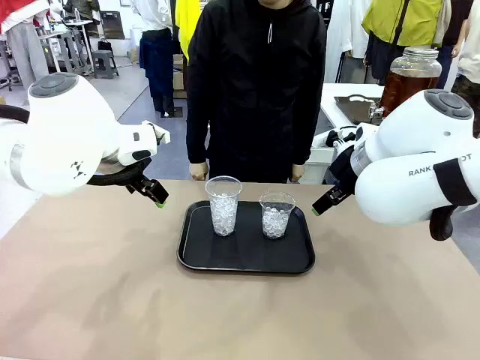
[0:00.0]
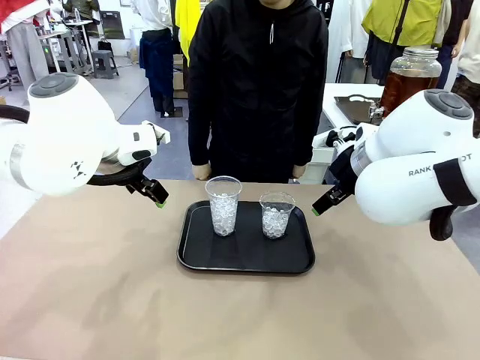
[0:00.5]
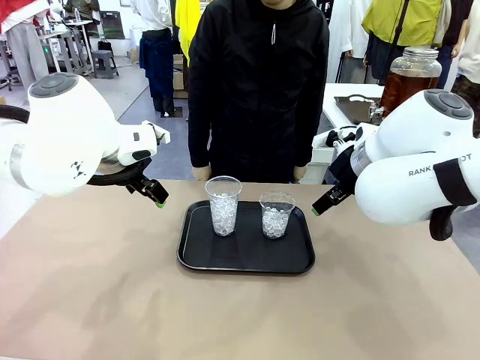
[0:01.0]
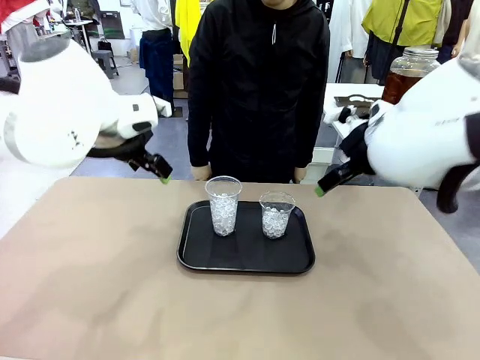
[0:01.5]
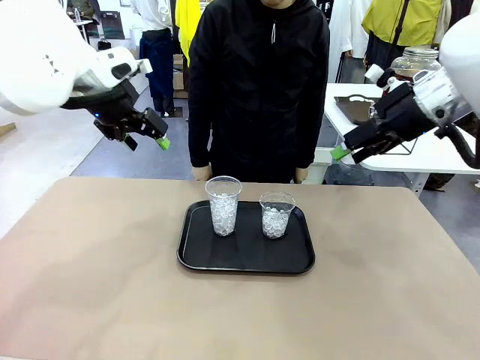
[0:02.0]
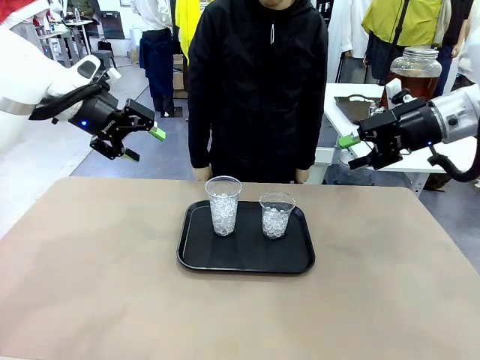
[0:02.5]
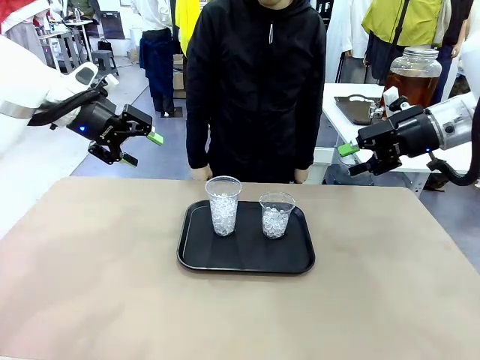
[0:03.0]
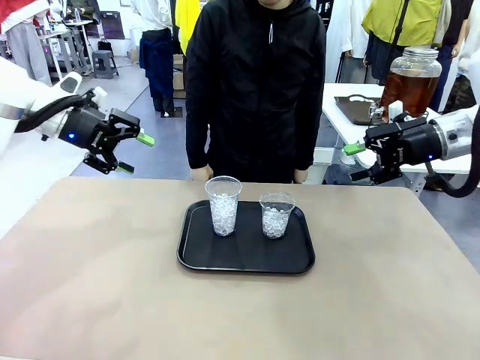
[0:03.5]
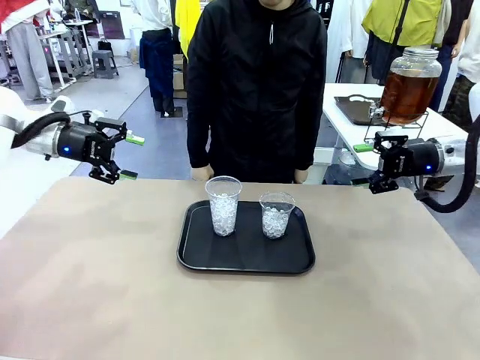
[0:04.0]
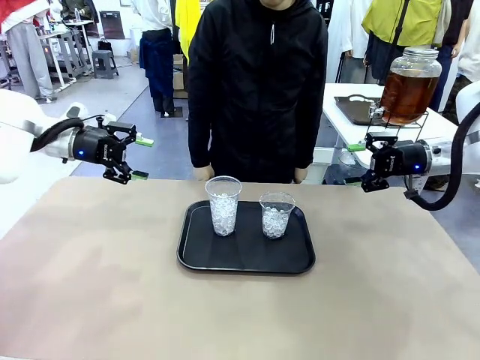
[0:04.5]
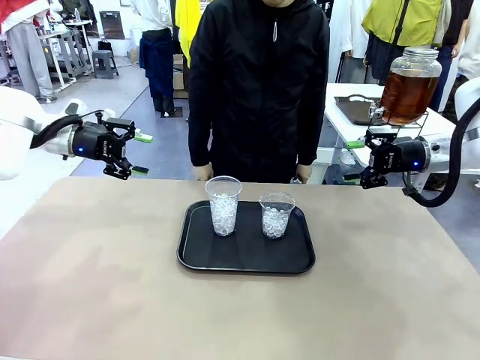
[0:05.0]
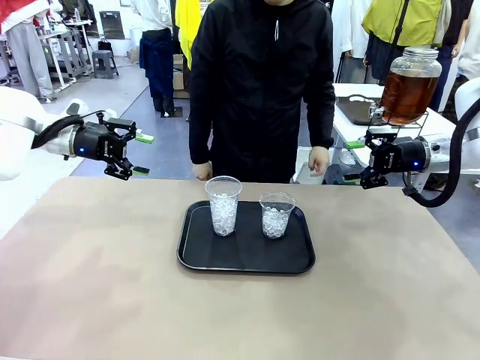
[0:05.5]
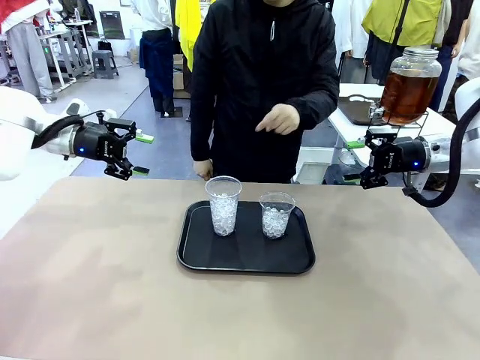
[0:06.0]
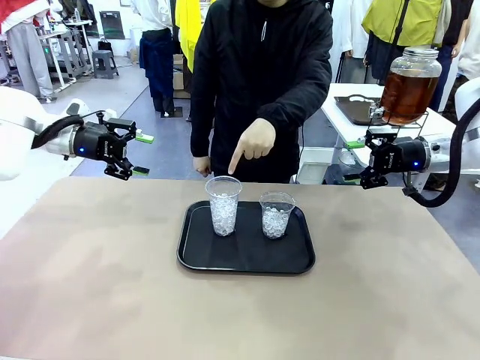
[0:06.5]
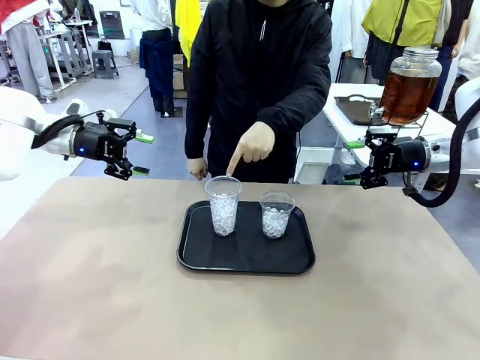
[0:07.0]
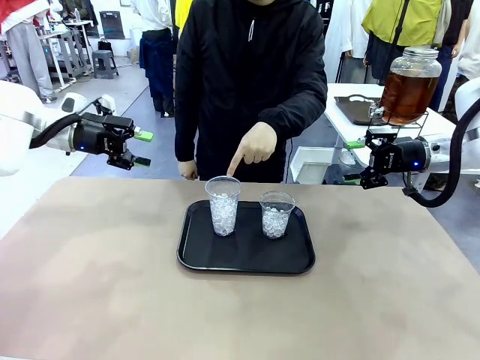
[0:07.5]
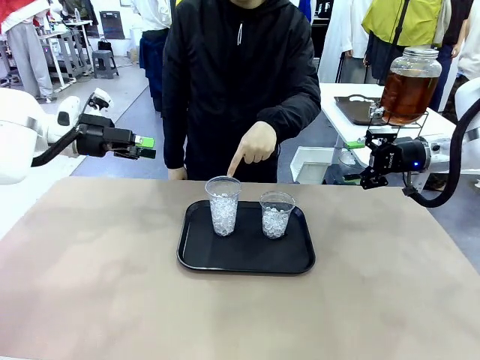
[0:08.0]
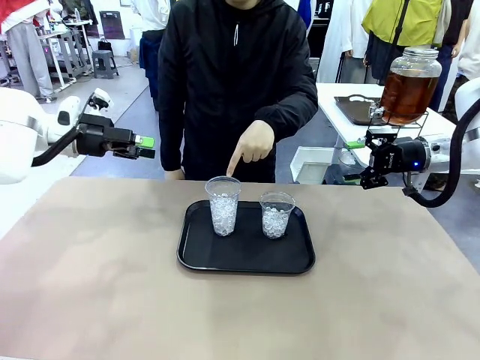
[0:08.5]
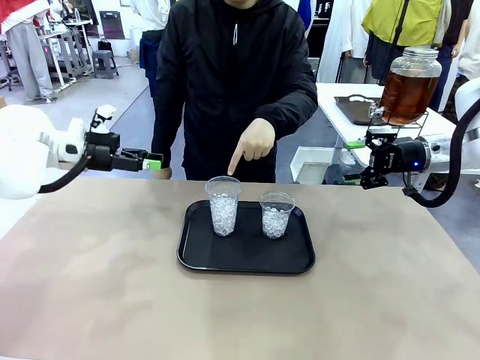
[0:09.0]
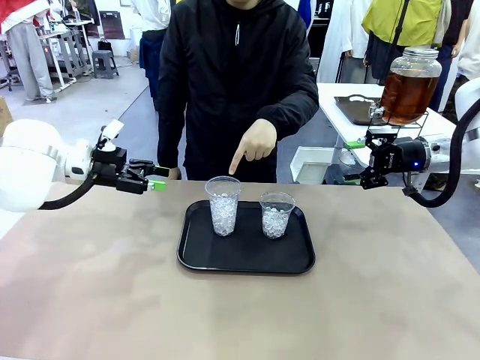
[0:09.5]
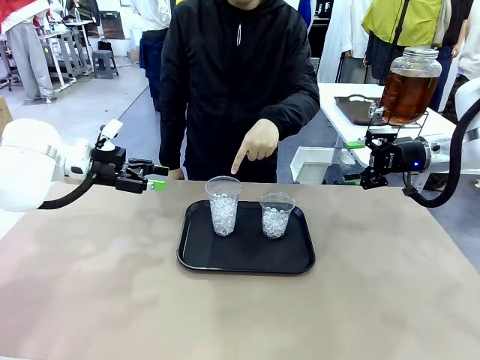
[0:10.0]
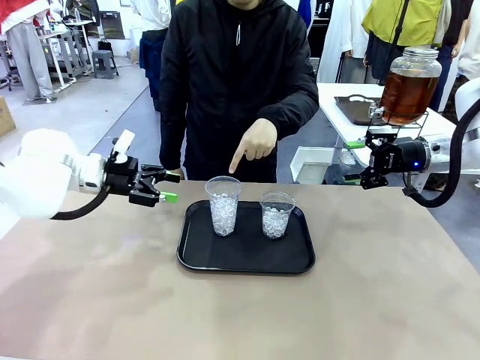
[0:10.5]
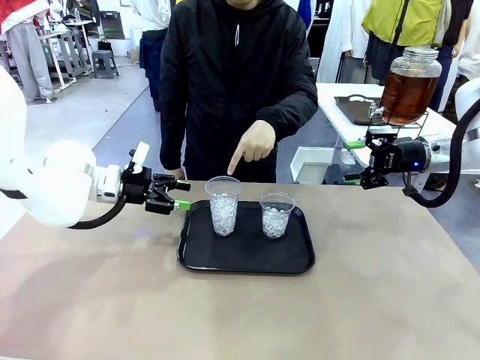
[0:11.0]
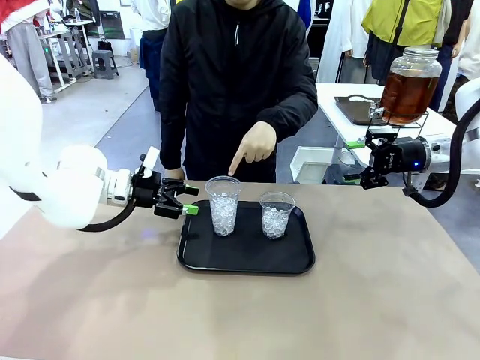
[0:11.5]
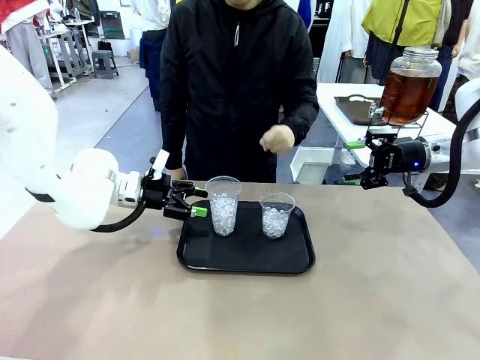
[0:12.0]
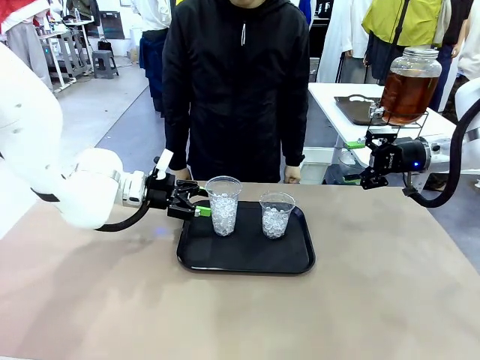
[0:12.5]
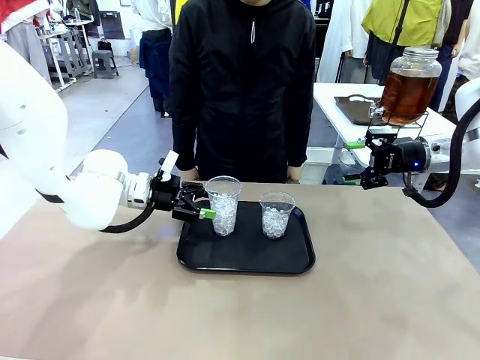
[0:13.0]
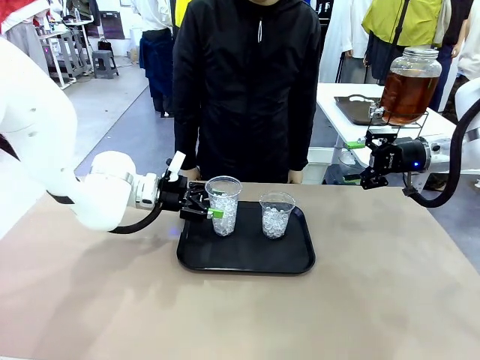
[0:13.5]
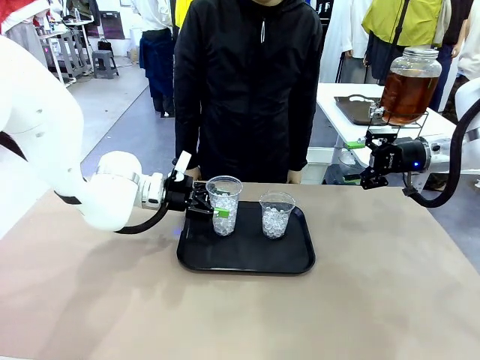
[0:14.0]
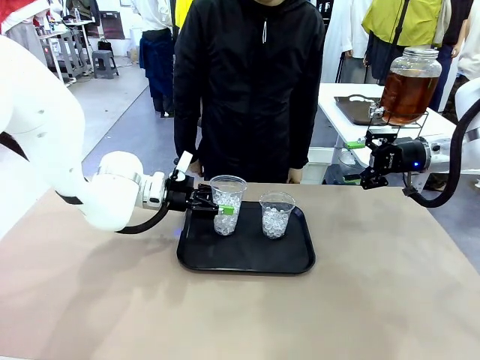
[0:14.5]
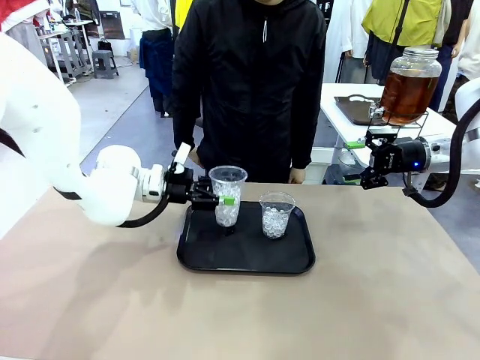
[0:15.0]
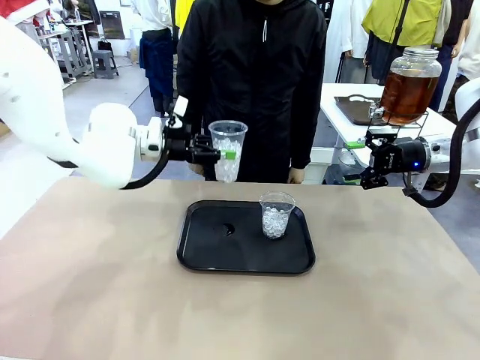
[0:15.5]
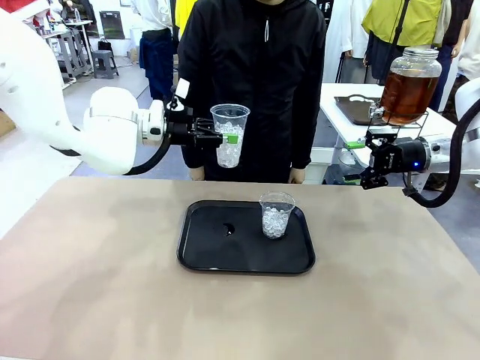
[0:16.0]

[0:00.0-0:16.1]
Task: Pour the drink into the iced cup.
Robot: Pick up the iced cup indicated by the human and present it to them.
Person: Point to one of the two ice cups. Pick up the cup offered by the robot.

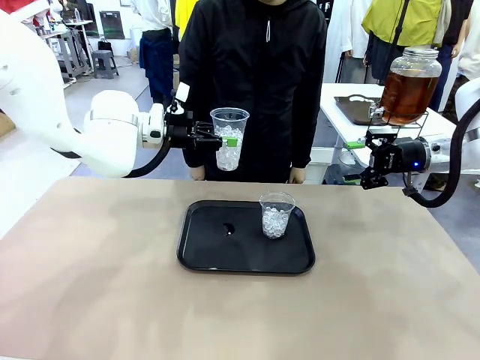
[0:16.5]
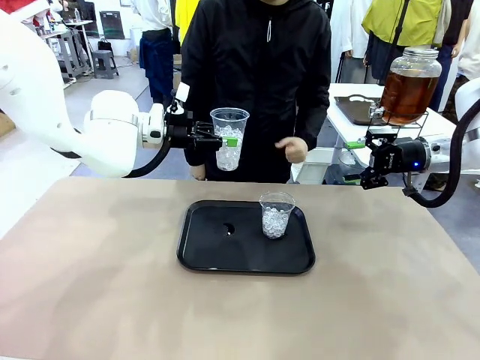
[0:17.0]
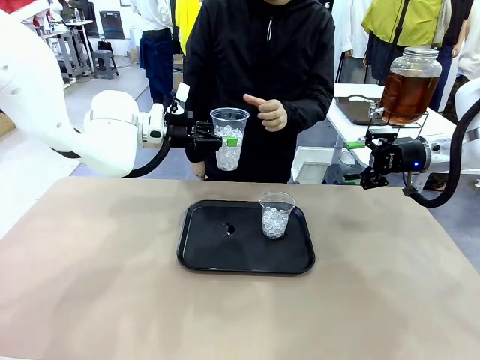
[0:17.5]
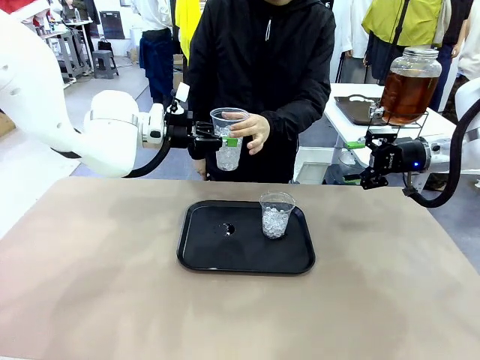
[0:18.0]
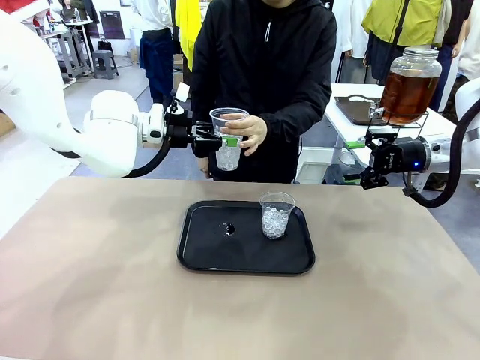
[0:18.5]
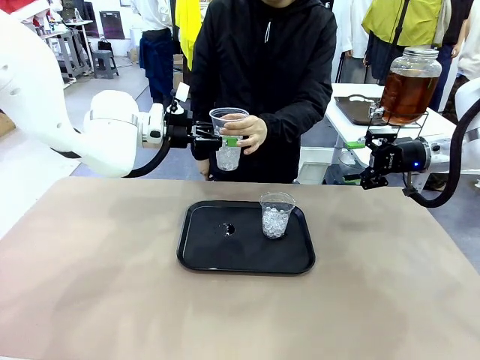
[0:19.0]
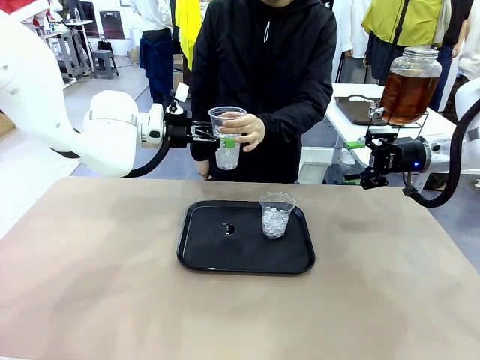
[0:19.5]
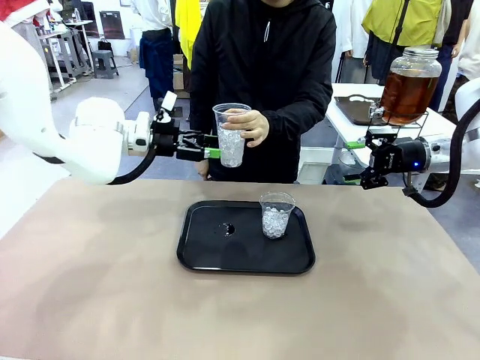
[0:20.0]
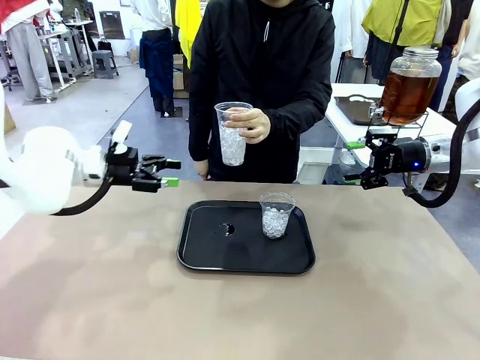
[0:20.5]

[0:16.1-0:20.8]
Robot: Open the gripper to release the iced cup you were holding.
